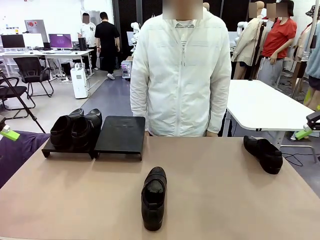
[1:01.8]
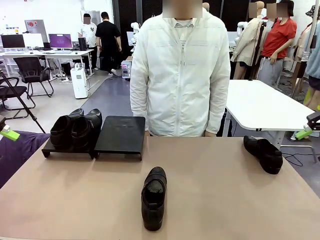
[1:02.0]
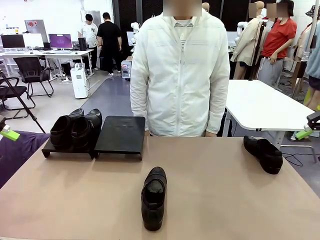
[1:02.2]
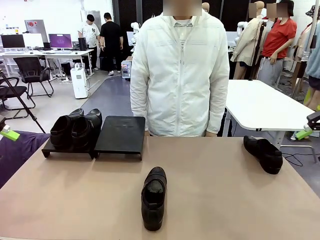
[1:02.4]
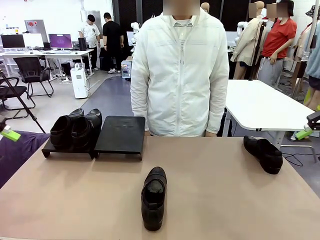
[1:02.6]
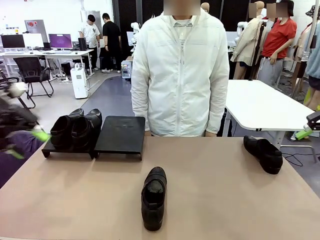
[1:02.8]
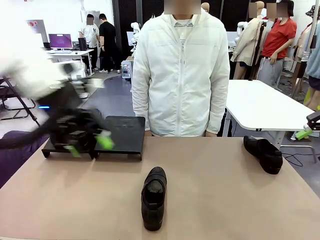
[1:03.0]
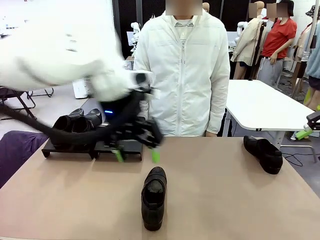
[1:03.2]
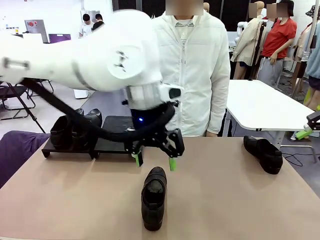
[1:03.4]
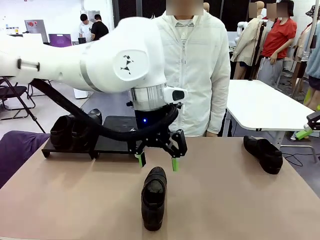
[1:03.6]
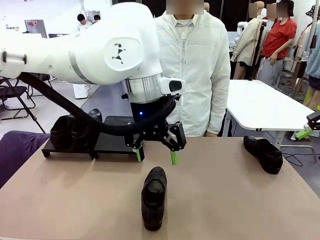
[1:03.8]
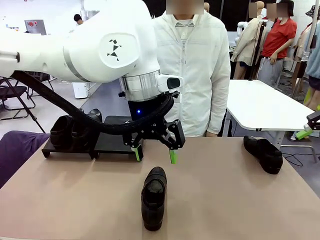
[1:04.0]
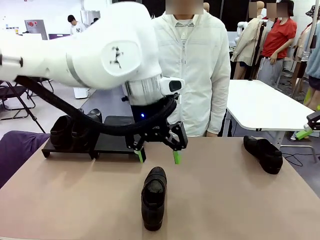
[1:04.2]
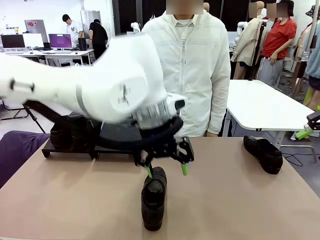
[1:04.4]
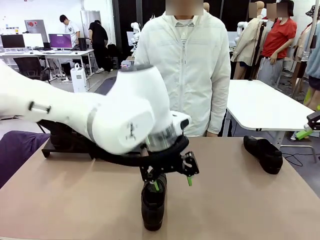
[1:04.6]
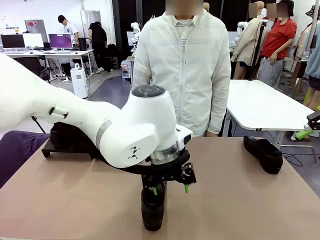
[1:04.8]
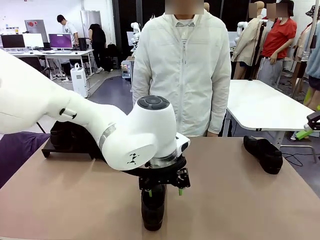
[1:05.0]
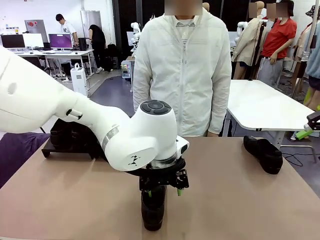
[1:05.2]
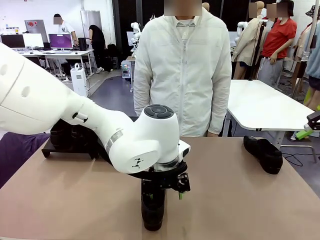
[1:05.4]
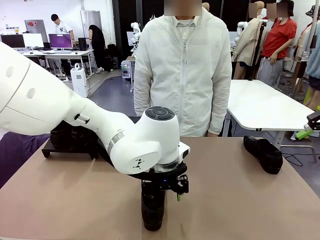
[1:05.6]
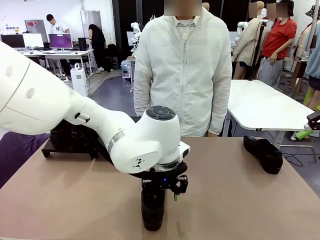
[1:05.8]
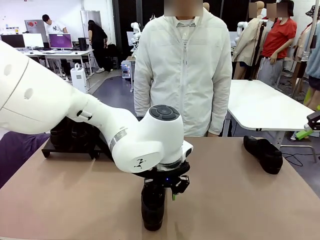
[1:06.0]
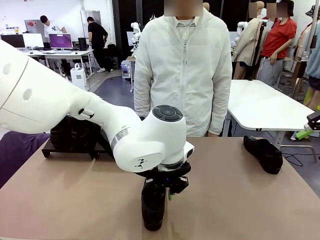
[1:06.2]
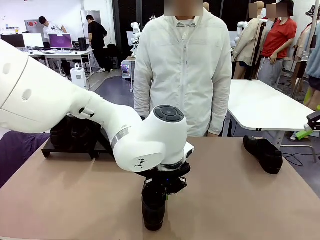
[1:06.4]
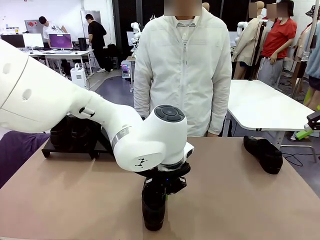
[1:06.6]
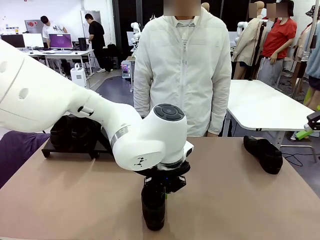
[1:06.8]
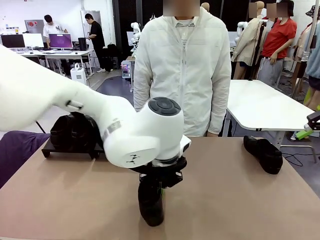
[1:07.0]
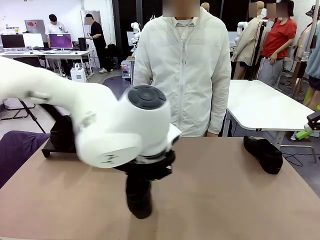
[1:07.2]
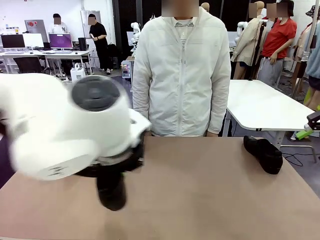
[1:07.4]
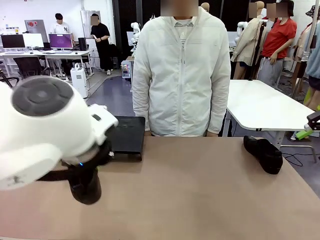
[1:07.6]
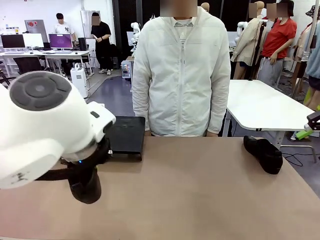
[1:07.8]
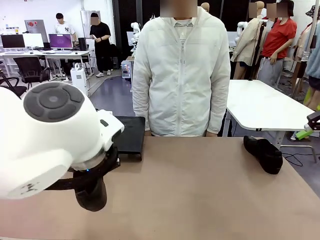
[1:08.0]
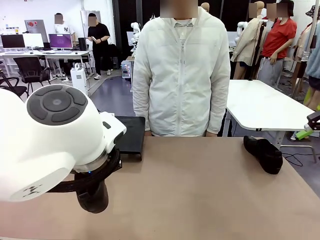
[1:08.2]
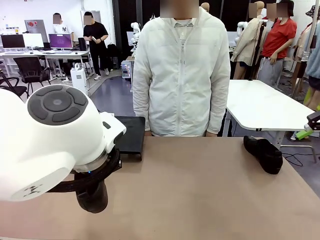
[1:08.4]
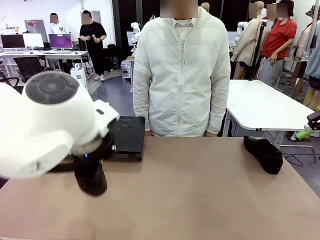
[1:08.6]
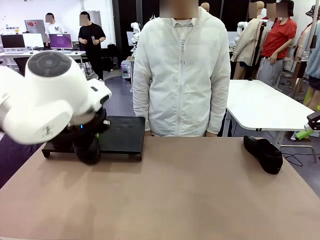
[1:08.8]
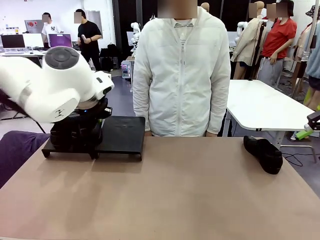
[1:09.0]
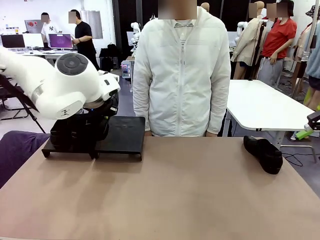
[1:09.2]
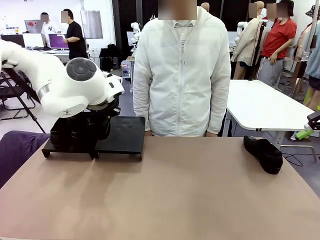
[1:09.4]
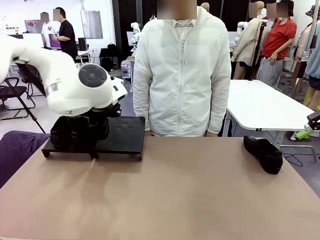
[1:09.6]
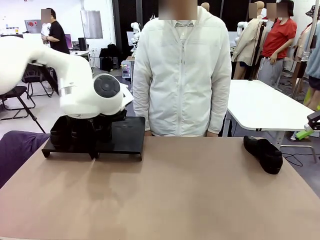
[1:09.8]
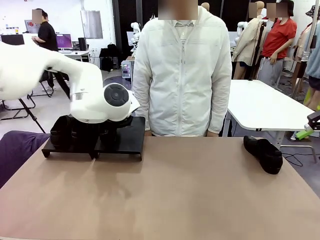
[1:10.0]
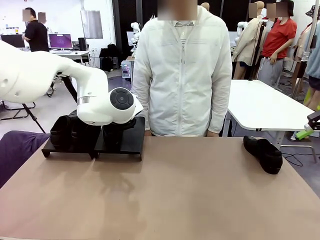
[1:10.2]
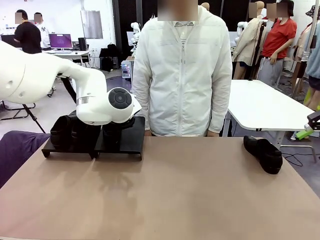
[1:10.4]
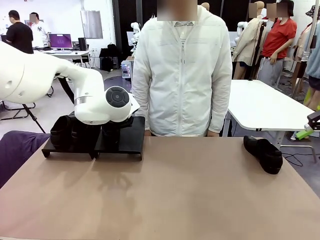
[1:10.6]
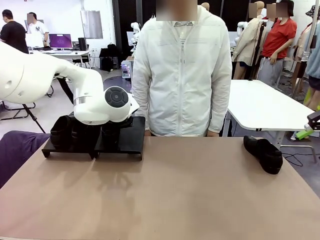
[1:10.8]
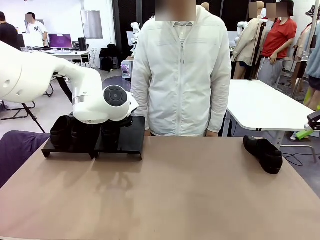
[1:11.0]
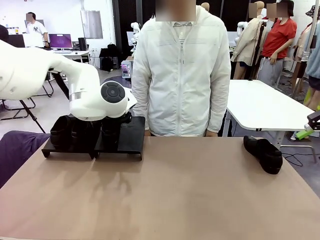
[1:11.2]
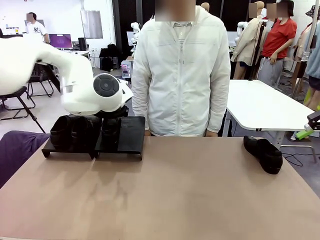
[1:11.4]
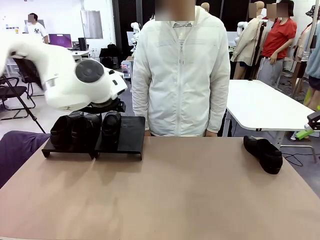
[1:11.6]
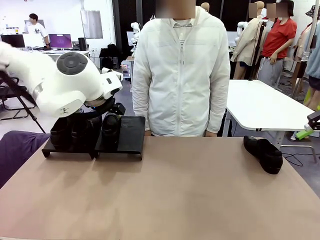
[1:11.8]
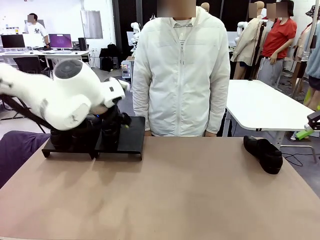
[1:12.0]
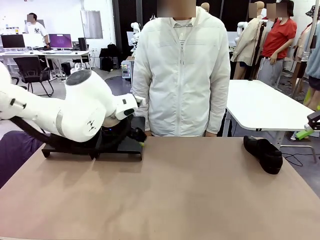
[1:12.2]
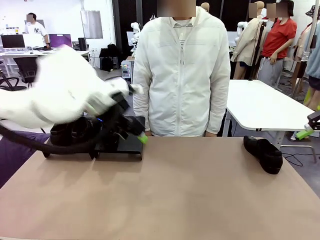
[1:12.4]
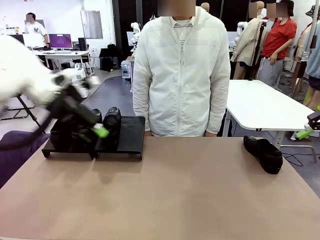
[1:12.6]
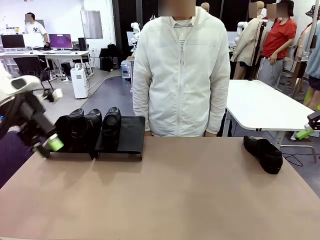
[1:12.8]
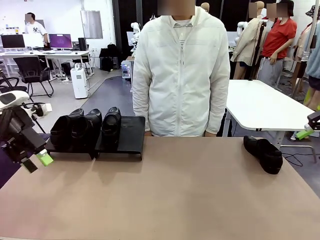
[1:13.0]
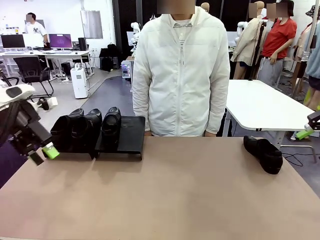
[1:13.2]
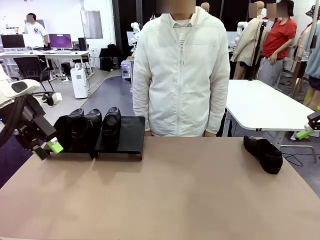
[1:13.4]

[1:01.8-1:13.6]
Task: Organize the shoes by placing them on the stand.
Robot: Place the Shoe from the middle of the table onto the Shoes Stand.

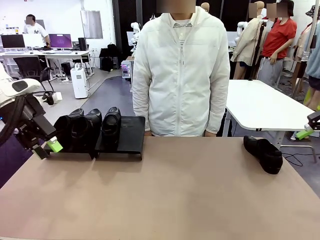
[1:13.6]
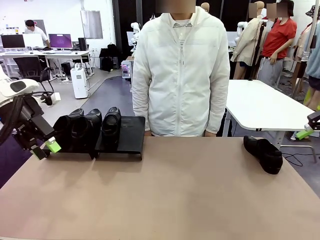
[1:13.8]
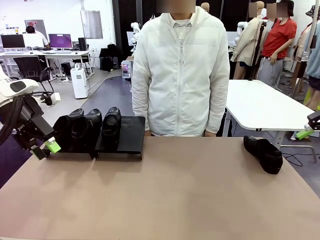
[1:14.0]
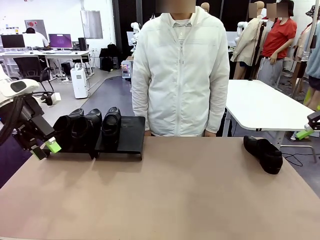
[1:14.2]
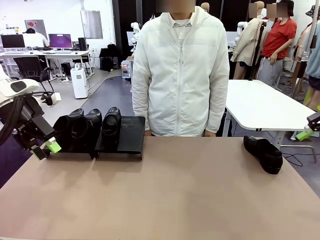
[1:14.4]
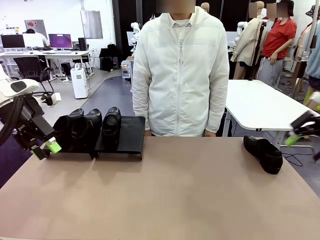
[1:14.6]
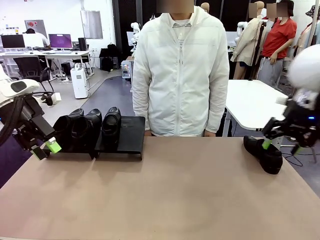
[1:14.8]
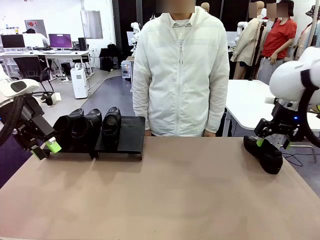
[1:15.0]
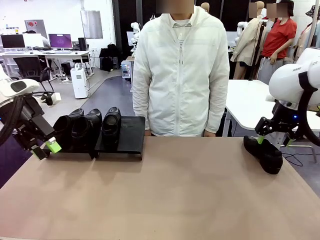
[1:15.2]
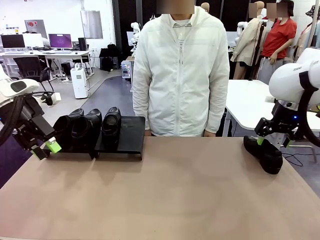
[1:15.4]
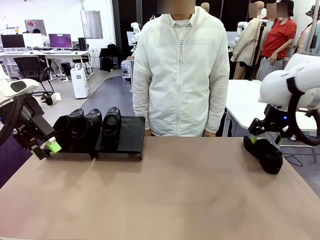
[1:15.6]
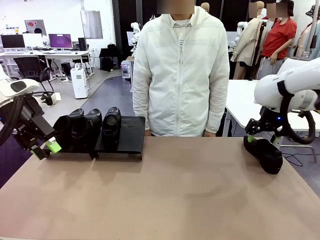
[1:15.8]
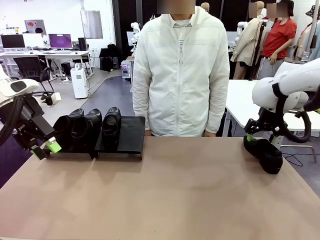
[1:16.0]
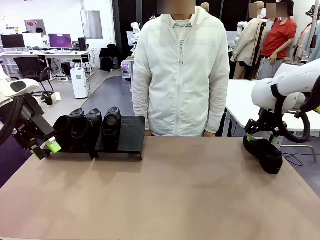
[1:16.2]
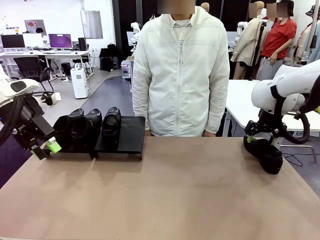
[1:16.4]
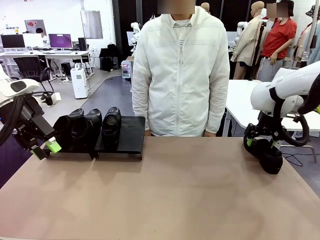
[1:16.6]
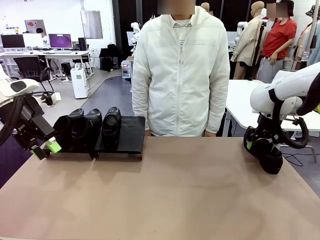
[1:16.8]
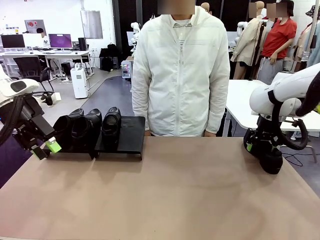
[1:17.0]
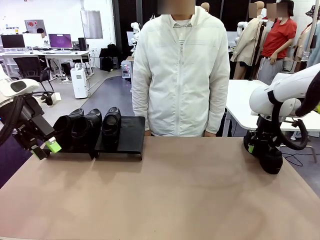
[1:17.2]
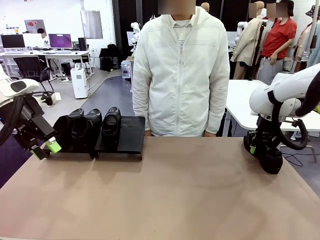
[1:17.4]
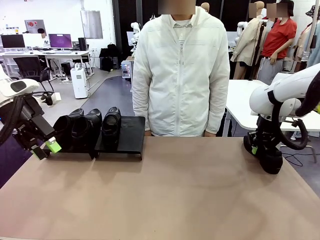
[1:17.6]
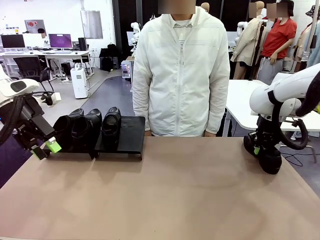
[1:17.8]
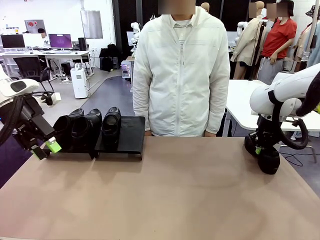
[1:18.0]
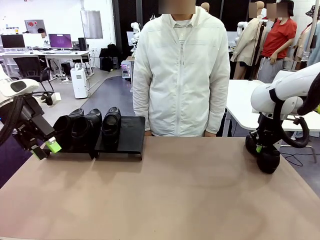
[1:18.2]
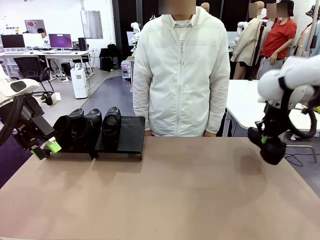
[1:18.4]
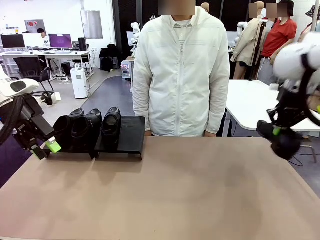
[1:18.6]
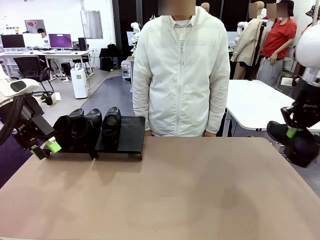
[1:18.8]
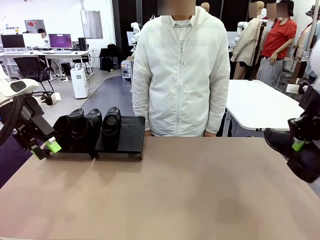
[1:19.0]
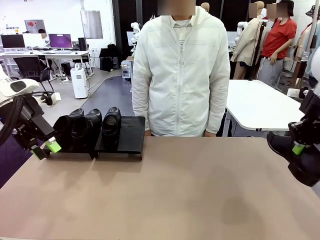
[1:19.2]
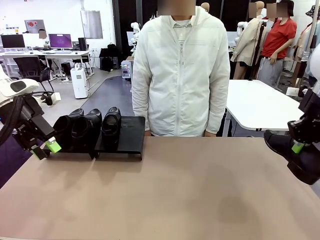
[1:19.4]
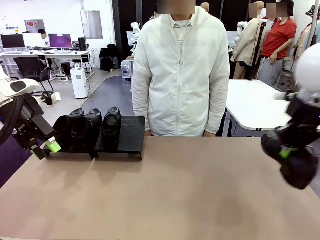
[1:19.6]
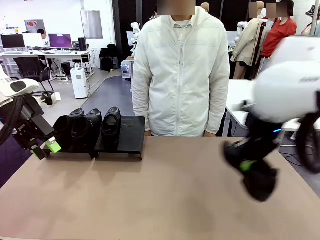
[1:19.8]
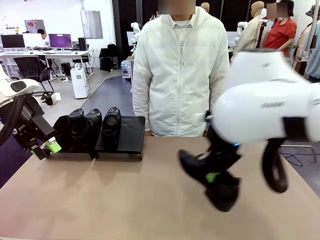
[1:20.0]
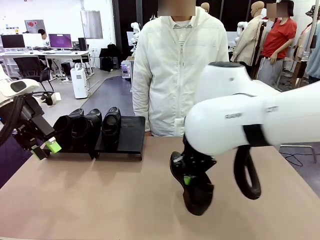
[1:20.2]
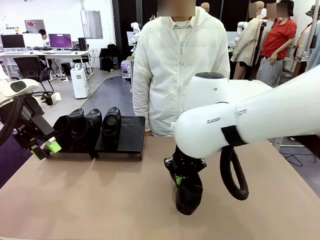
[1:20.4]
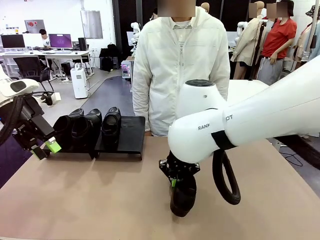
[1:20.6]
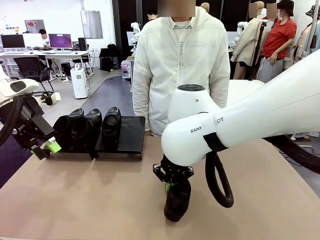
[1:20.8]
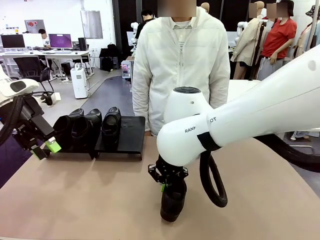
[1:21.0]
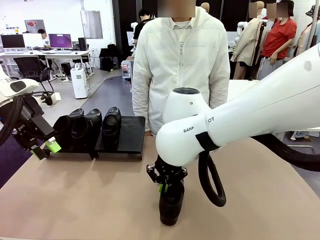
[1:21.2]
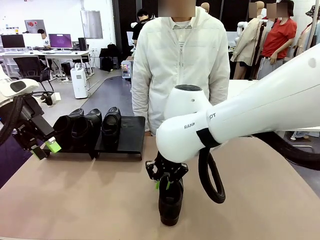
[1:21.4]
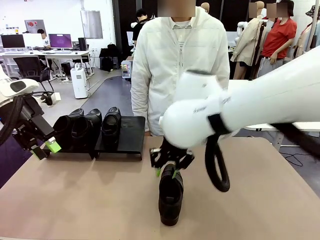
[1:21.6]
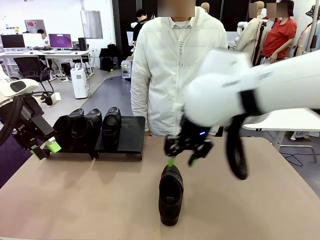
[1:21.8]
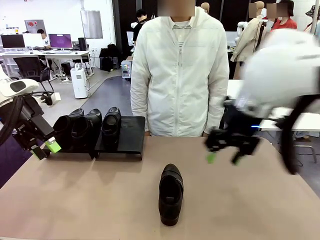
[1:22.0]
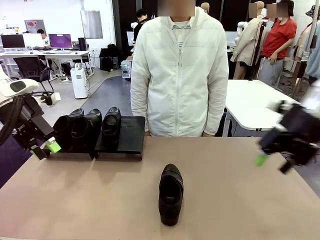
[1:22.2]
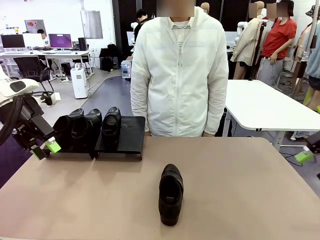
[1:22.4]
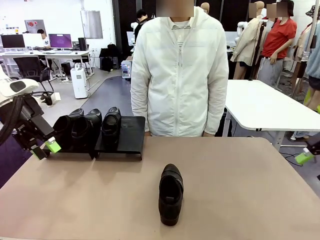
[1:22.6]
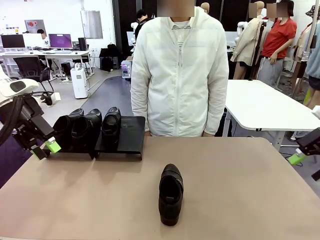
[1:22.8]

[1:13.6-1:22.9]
Robot: Pick up one Shoe and place it in the middle of the table.
